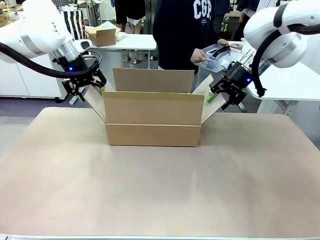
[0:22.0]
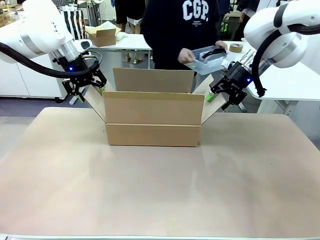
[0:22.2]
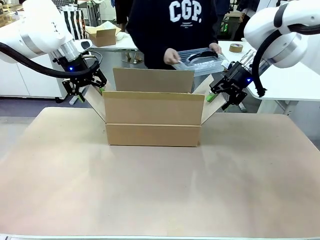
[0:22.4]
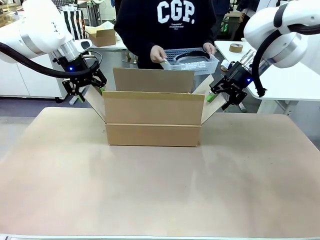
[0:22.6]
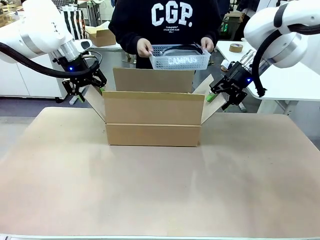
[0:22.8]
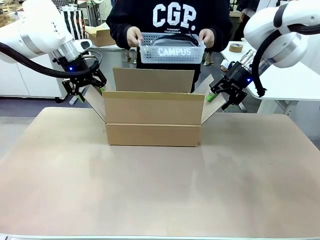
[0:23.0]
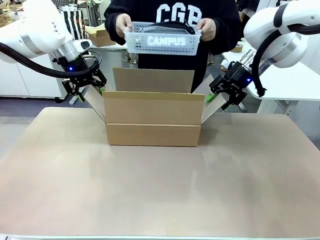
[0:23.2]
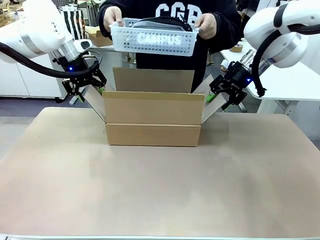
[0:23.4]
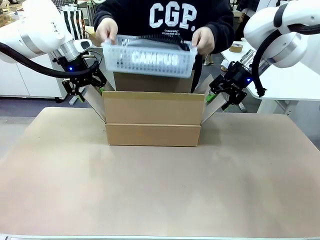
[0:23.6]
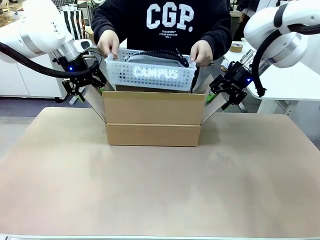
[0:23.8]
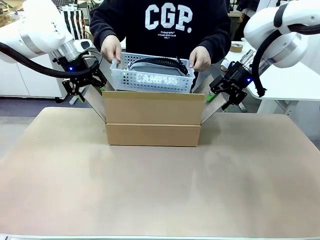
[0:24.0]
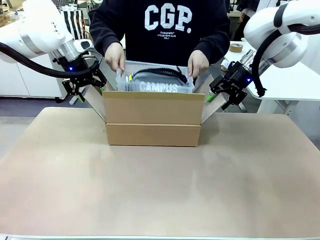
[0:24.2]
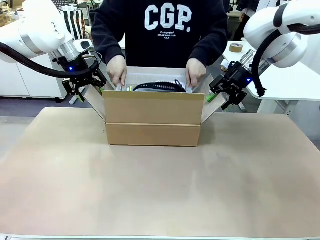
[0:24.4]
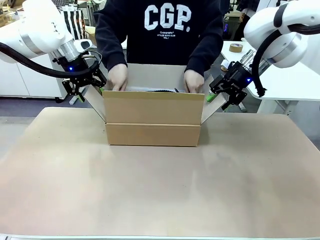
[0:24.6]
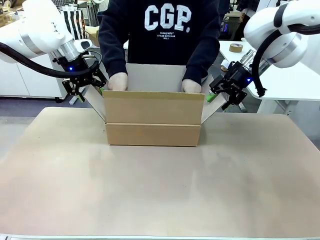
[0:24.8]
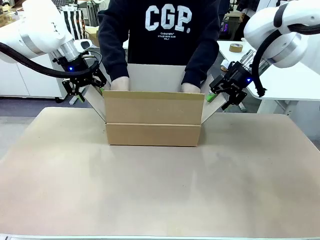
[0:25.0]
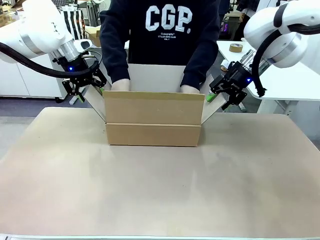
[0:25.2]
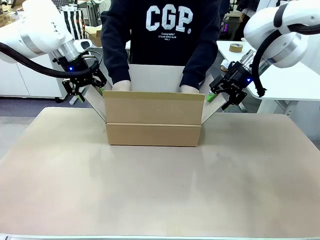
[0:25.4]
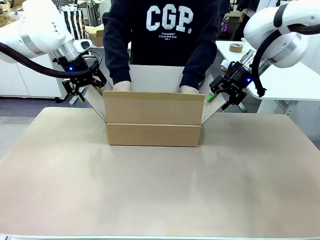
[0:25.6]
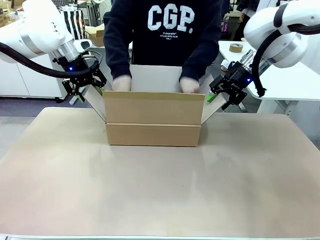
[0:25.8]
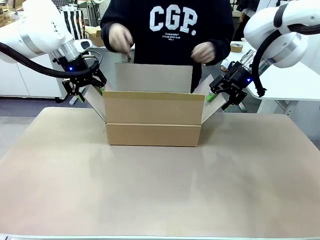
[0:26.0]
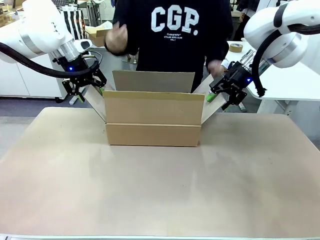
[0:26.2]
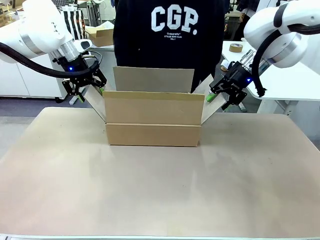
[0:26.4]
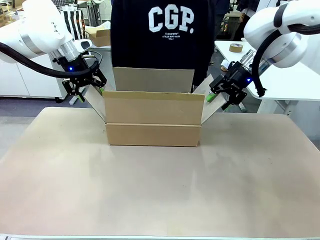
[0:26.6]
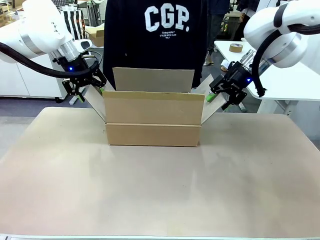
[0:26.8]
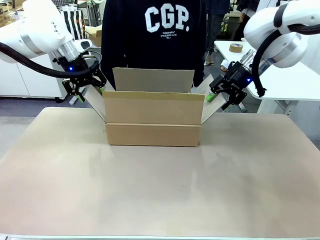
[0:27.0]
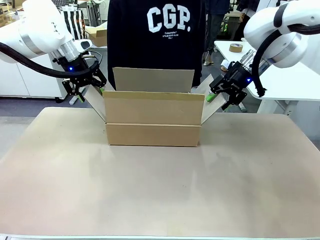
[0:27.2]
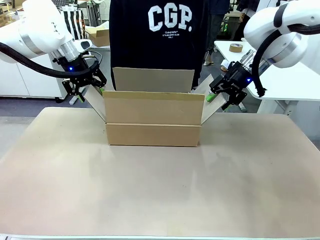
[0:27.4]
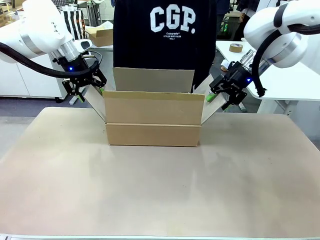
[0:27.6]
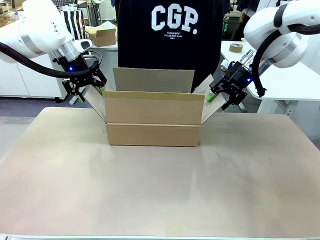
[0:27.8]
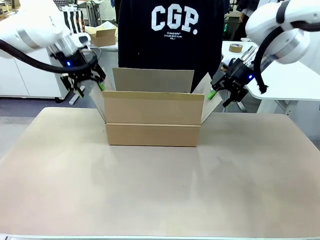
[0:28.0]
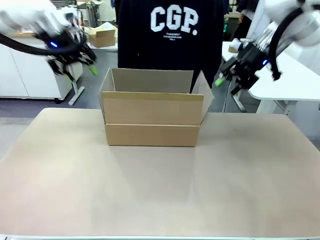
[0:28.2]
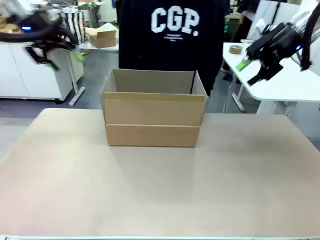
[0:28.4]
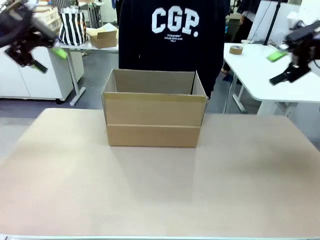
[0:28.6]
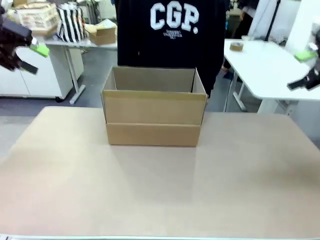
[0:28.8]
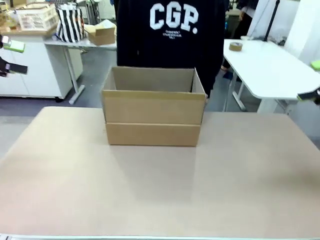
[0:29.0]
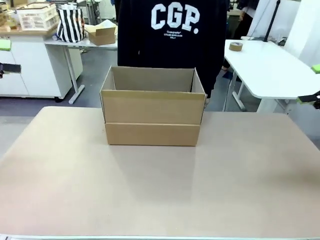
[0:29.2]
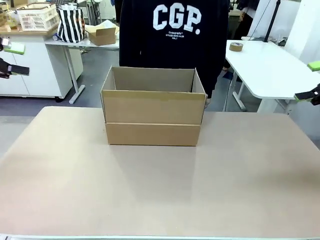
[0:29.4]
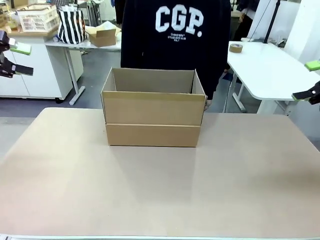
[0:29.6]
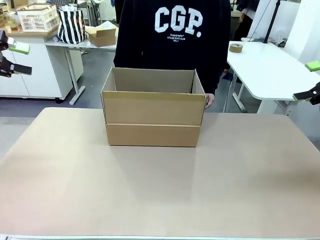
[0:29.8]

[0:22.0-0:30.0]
Task: Pack the gift set into the box.
Robot: Lift both hands away from the flaps of the Package Box.
Person: The human picks up the organizing basket and places the organizing basket into the package box on the robot table.

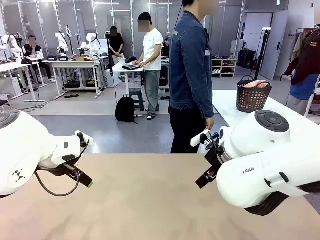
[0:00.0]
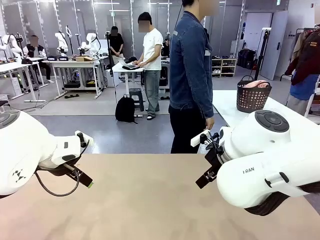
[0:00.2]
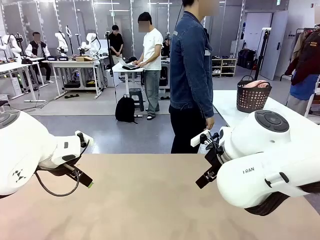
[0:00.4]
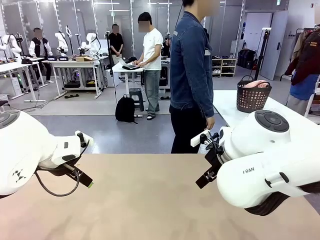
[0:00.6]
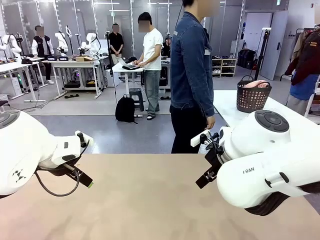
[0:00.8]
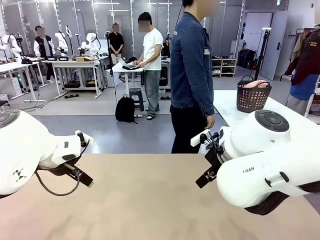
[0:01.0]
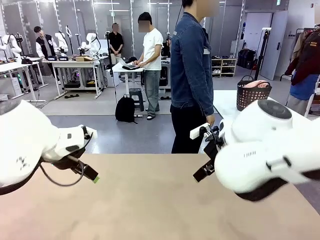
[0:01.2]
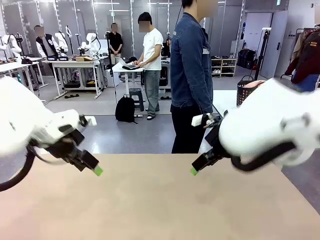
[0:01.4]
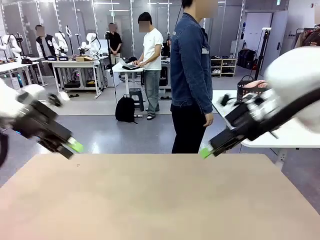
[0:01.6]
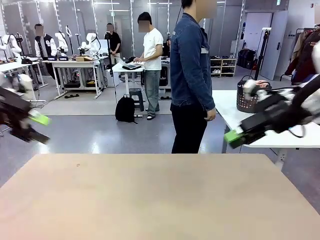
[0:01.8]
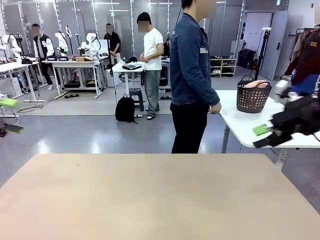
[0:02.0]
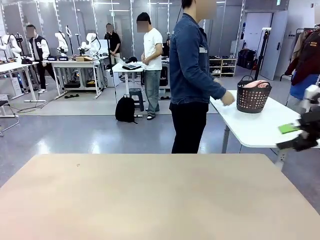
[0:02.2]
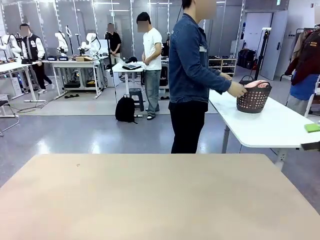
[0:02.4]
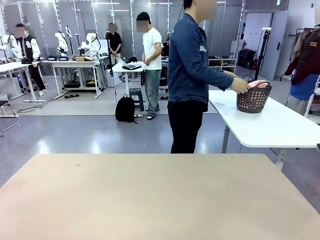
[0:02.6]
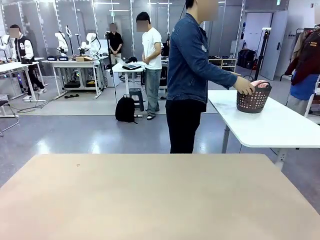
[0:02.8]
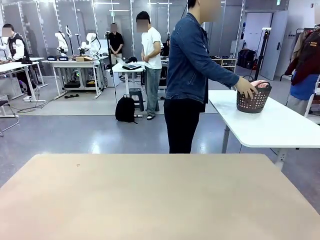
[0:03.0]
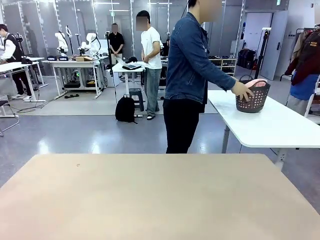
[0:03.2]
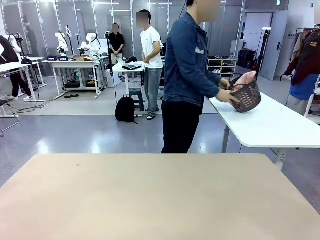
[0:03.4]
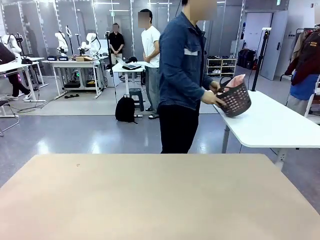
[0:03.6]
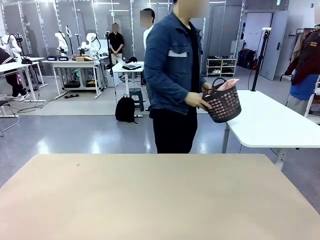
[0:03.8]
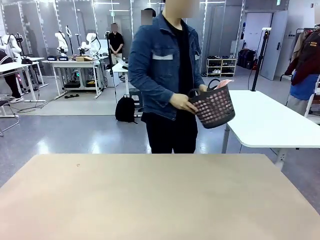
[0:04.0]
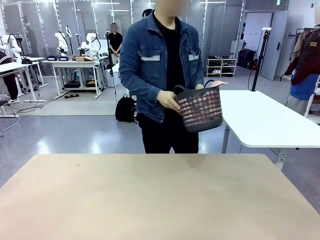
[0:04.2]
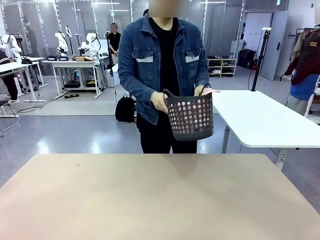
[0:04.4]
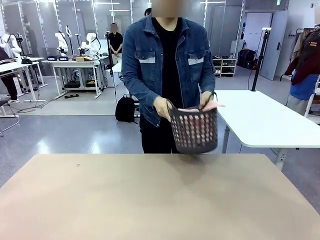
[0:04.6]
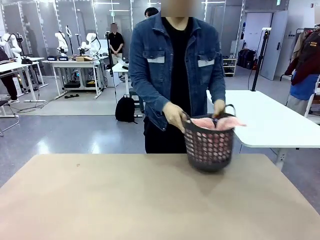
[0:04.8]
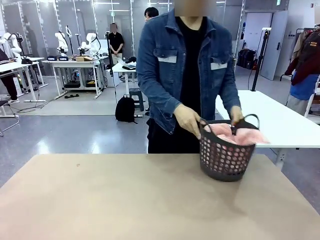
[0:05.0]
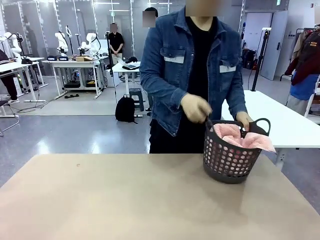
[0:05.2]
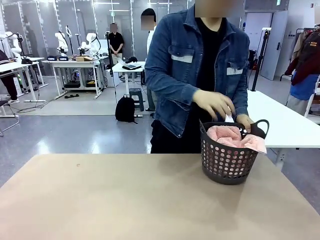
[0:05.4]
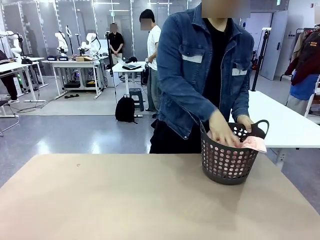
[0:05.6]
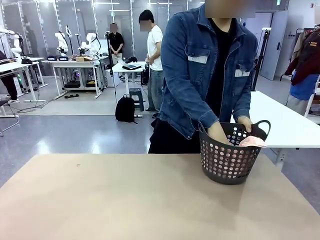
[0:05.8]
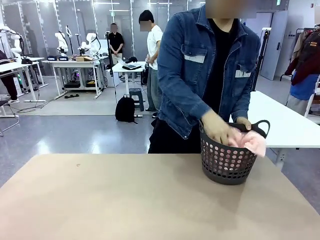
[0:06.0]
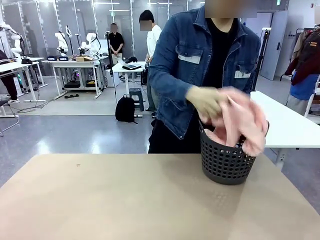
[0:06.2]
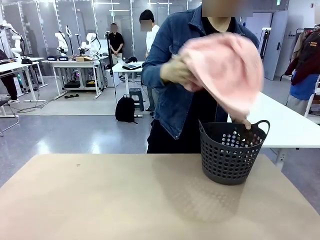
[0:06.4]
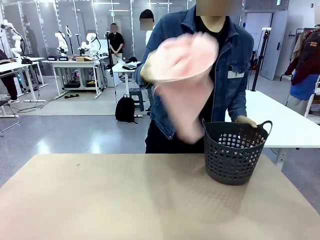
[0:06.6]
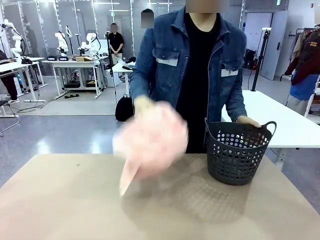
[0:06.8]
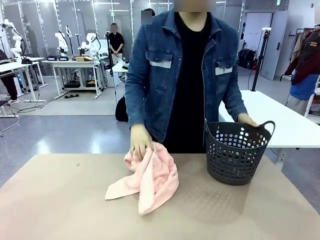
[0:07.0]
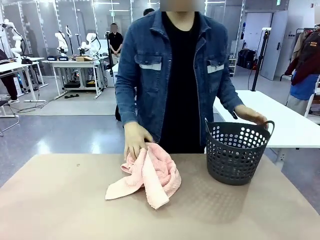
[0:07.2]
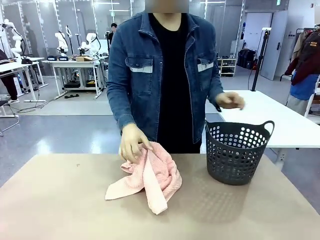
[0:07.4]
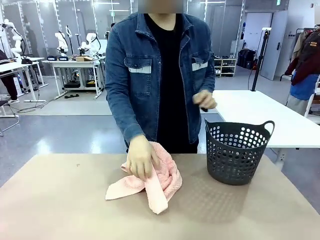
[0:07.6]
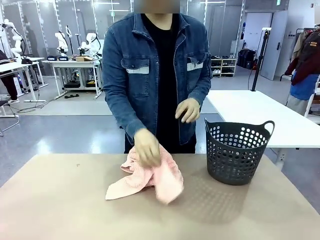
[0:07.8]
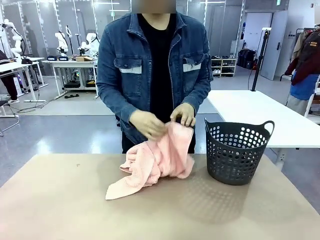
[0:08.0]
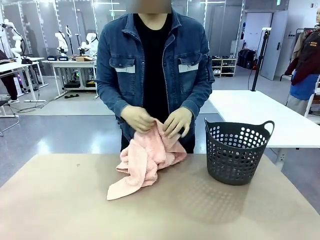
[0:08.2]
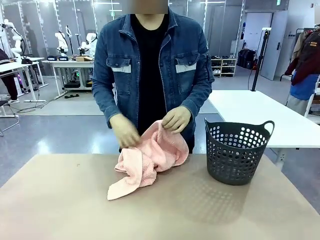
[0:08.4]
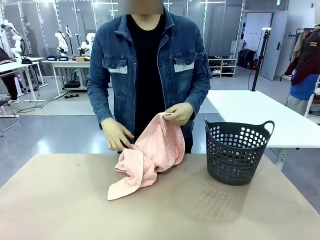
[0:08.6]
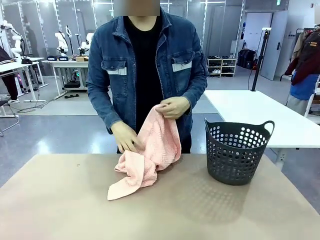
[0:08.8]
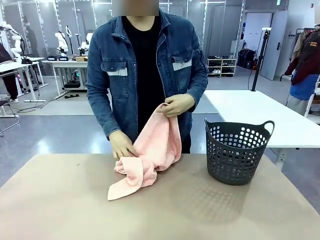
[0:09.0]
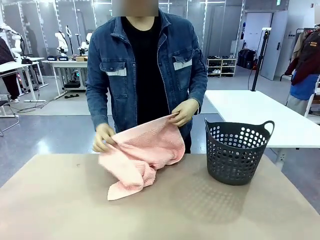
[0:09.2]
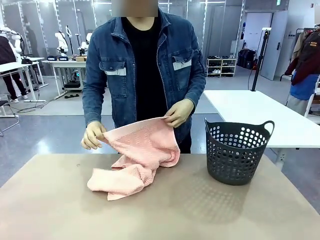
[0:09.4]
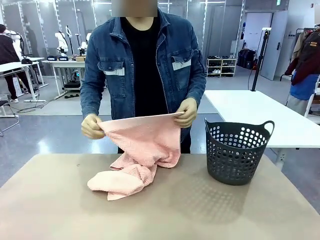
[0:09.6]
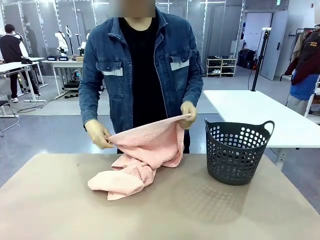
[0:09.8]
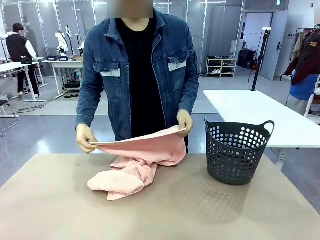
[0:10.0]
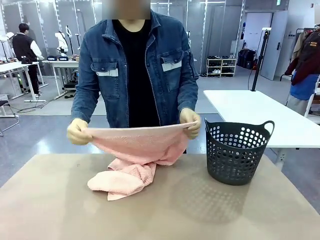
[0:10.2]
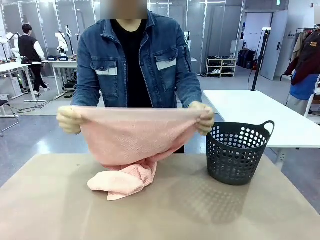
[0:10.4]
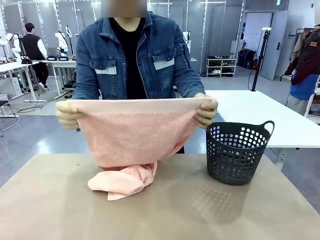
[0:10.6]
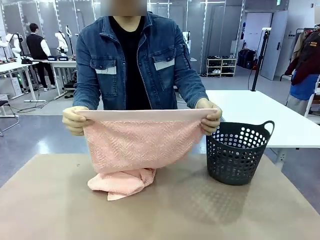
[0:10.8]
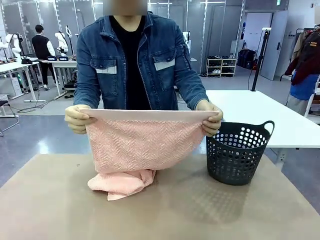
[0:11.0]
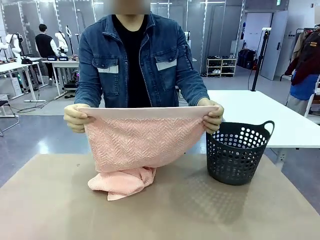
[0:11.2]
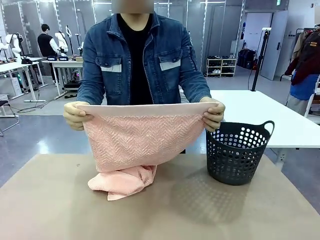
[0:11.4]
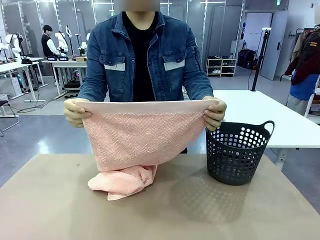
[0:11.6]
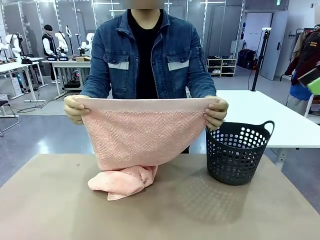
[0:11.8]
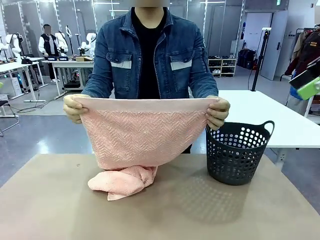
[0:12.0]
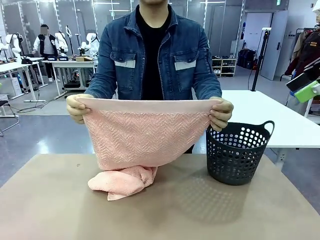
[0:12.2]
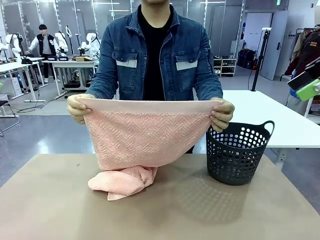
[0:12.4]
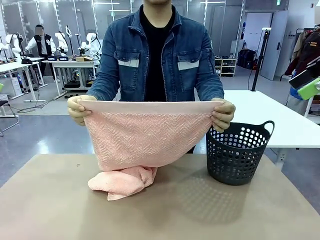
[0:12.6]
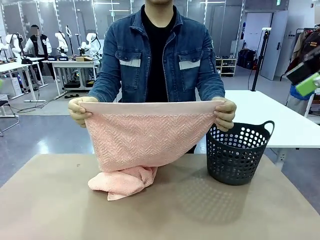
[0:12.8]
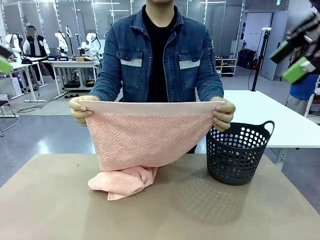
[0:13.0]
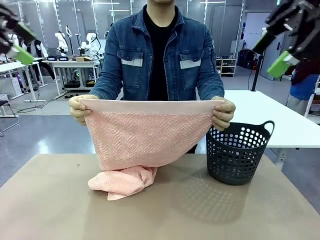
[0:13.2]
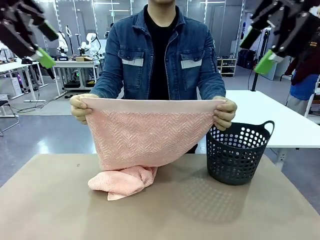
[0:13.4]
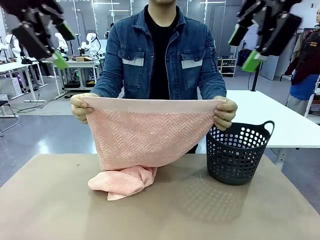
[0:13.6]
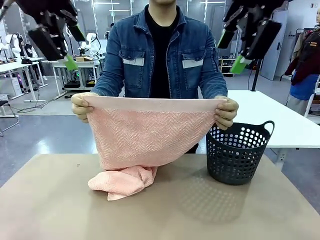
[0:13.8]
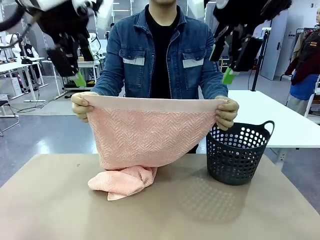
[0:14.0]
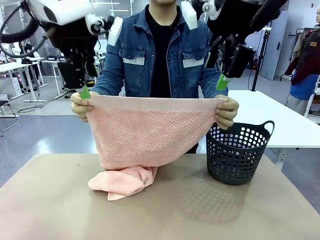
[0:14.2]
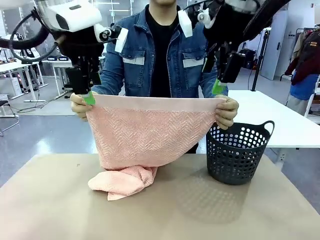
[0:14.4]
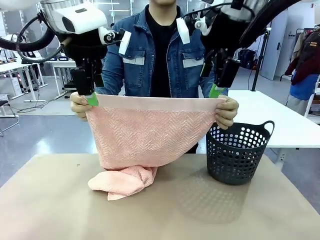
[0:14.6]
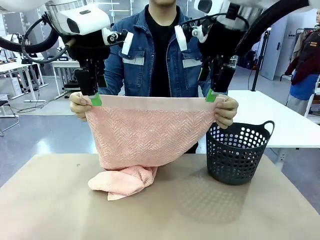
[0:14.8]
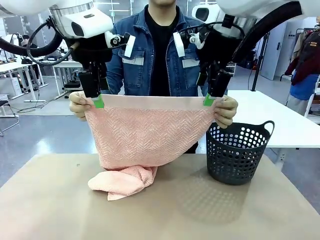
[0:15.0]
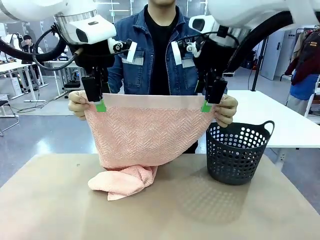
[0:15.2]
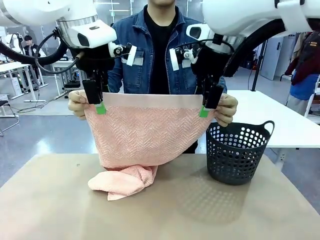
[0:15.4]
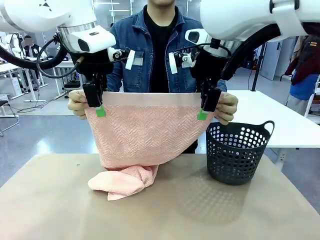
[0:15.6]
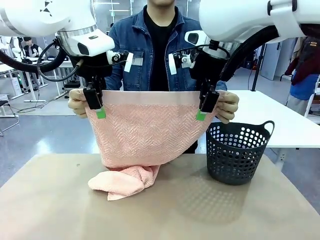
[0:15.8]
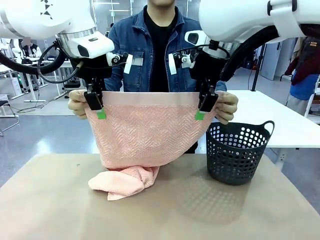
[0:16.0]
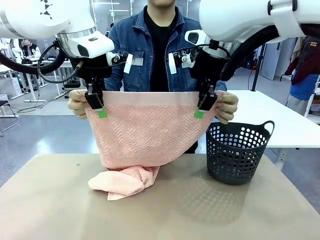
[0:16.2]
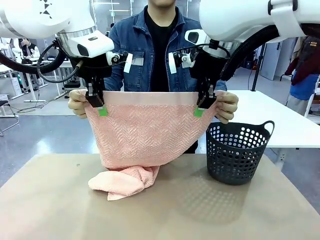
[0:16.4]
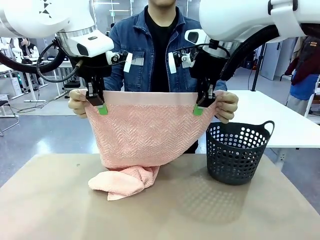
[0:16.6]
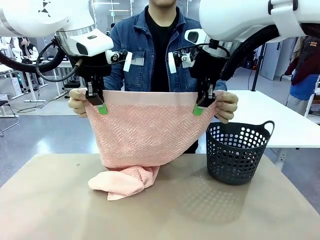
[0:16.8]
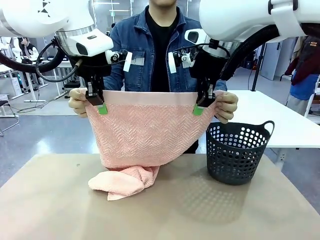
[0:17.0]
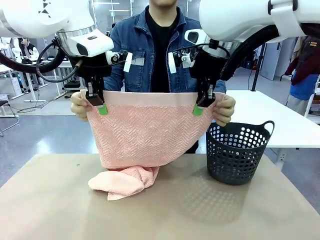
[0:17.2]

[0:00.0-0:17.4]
Task: Fold the towel.
Robot: Grab the top end of the 100 cm Hotel Towel extended by the human.
Person: Pick up the laundry basket, place it on the left side of the robot table, then take out a towel and hand it to the robot while holding both corners of one end.
